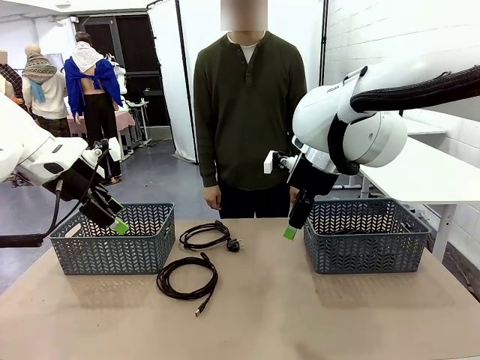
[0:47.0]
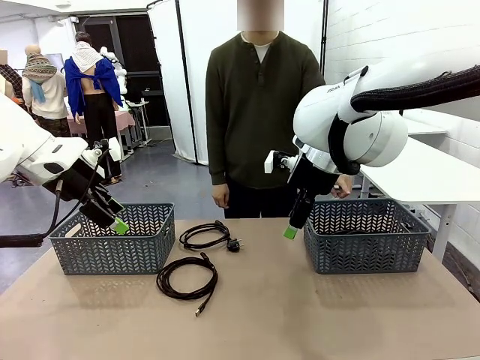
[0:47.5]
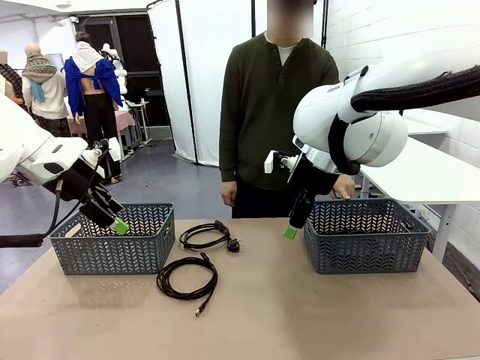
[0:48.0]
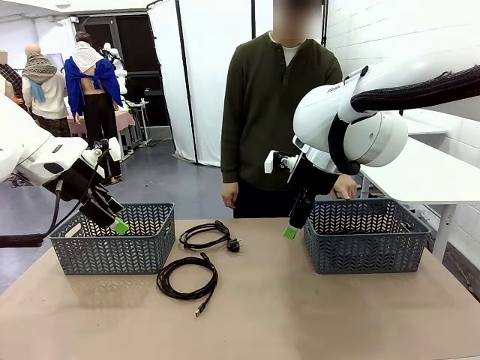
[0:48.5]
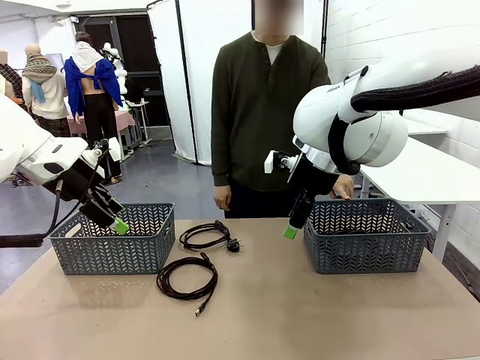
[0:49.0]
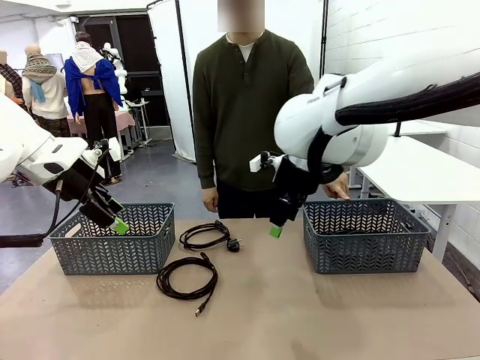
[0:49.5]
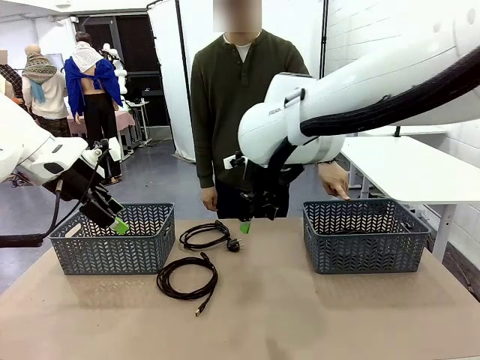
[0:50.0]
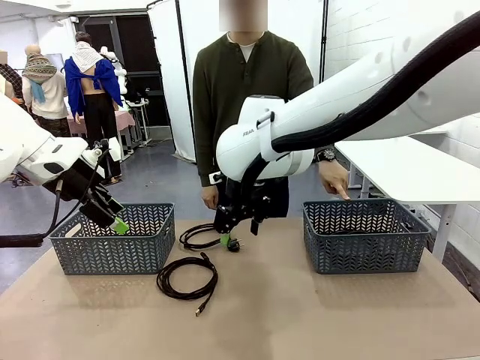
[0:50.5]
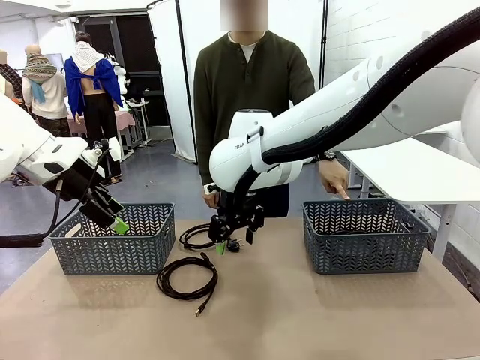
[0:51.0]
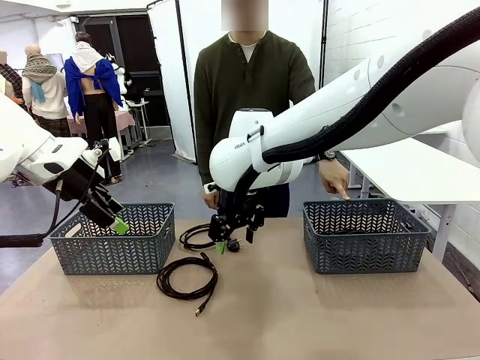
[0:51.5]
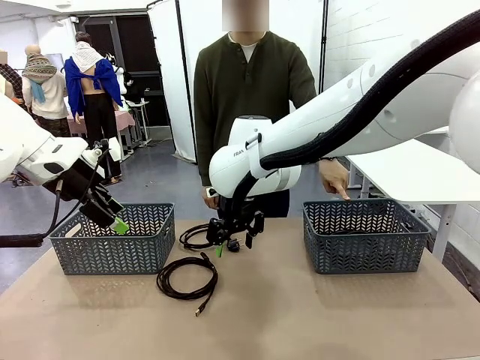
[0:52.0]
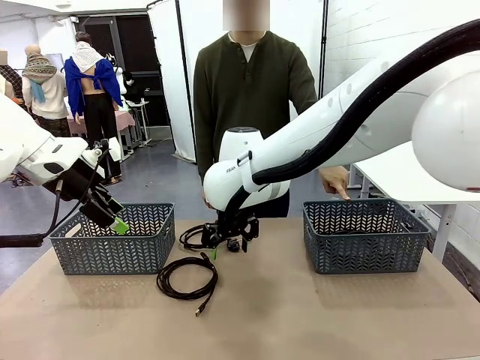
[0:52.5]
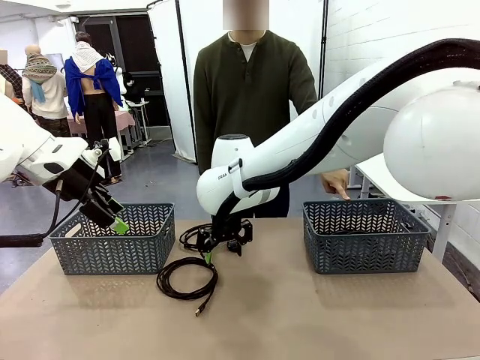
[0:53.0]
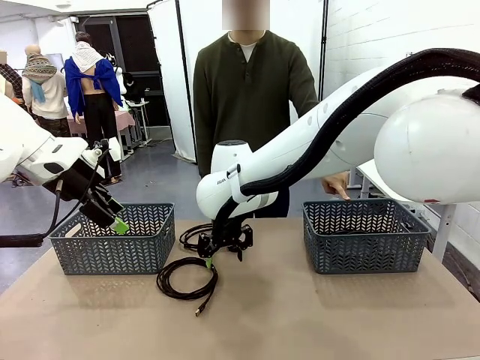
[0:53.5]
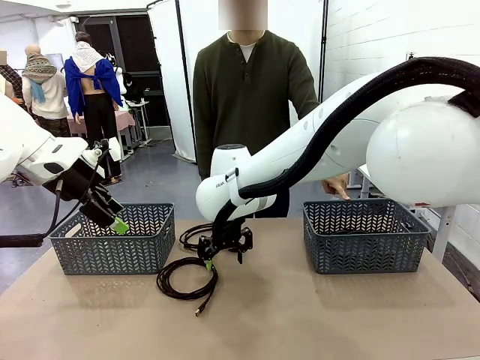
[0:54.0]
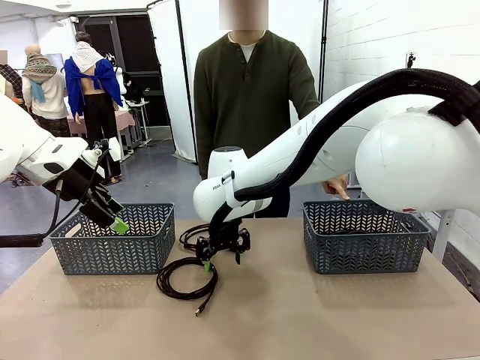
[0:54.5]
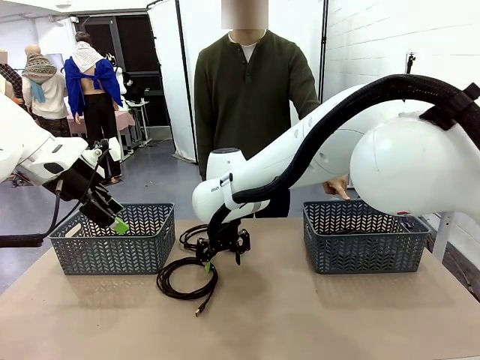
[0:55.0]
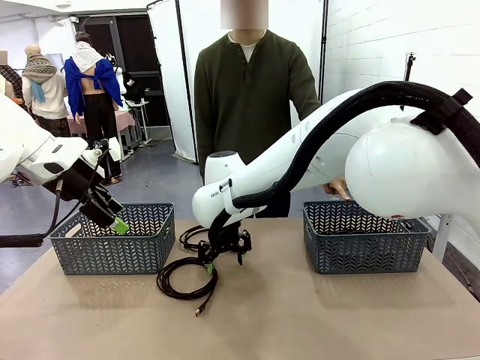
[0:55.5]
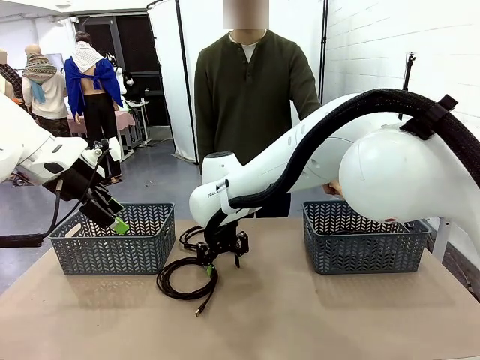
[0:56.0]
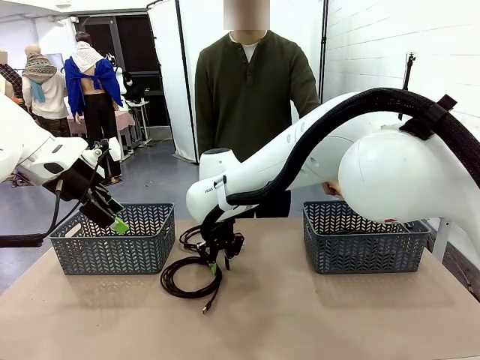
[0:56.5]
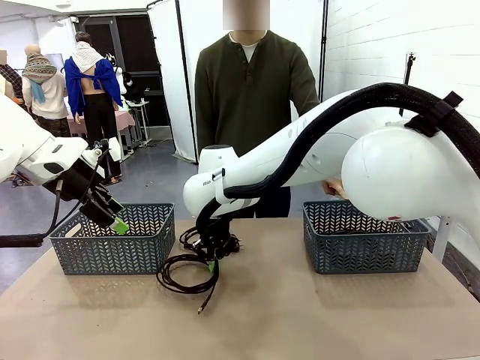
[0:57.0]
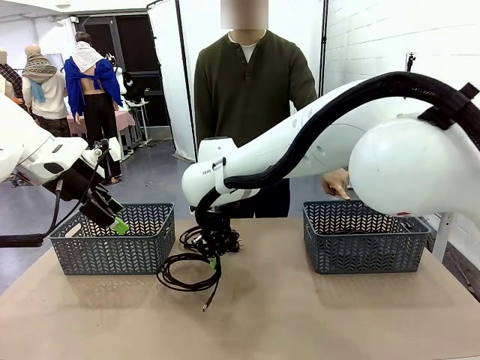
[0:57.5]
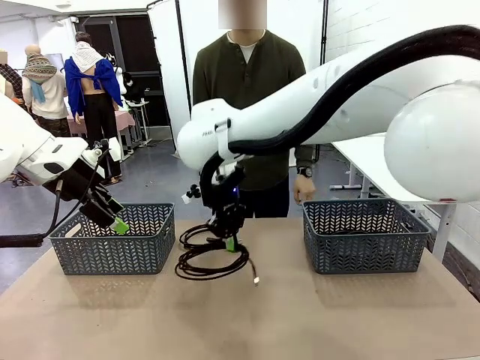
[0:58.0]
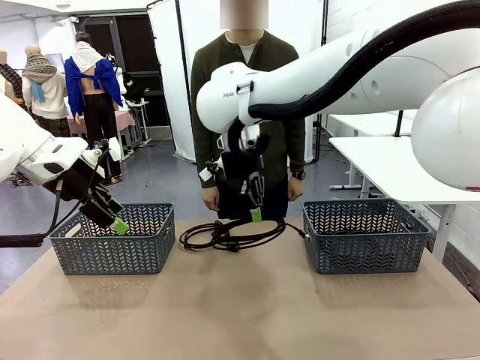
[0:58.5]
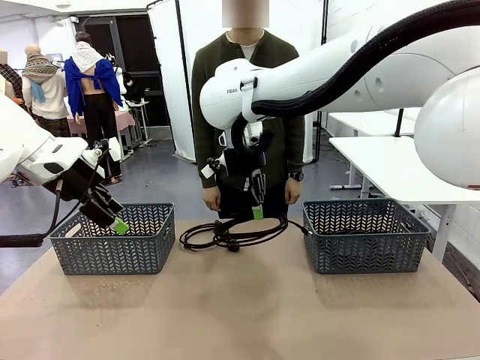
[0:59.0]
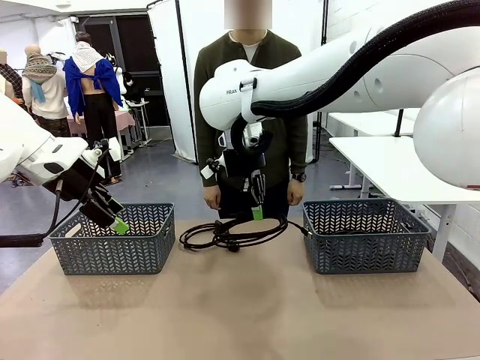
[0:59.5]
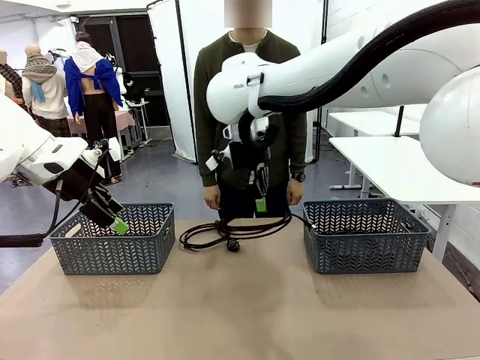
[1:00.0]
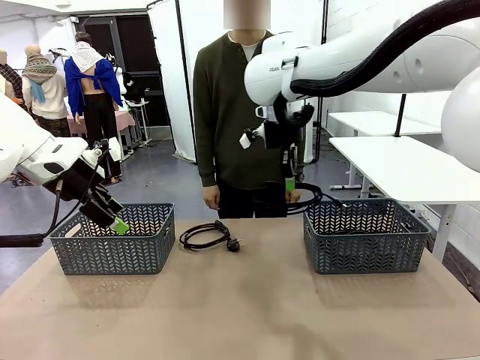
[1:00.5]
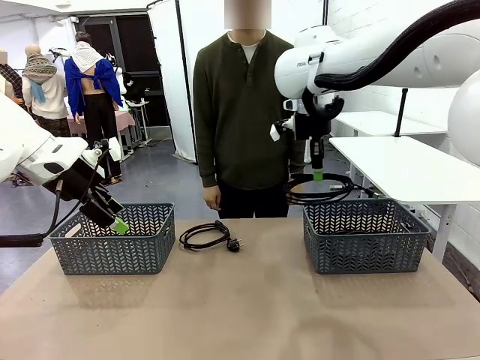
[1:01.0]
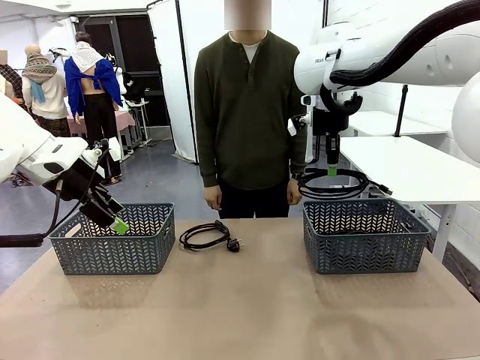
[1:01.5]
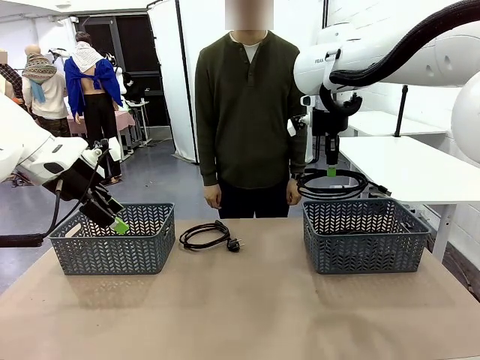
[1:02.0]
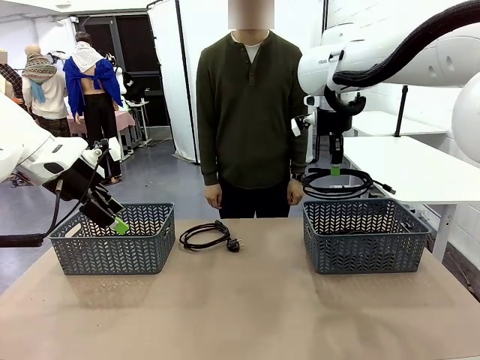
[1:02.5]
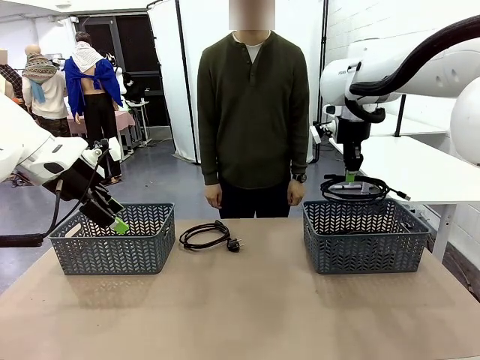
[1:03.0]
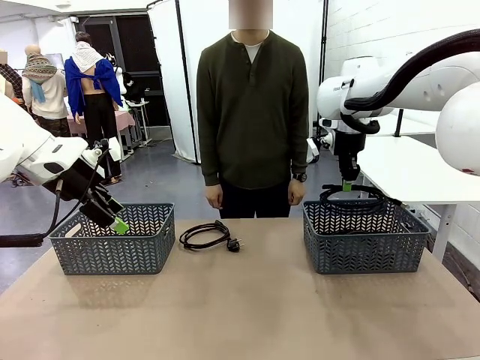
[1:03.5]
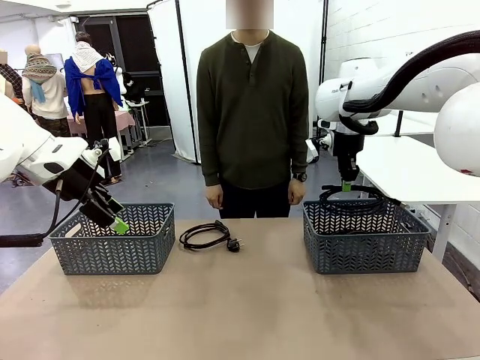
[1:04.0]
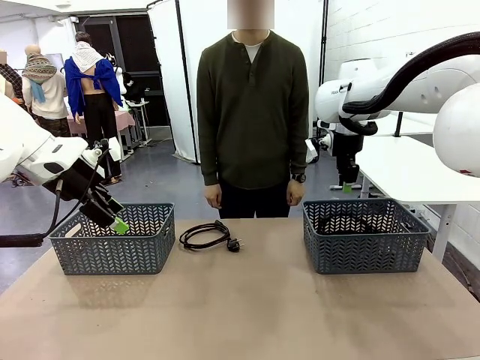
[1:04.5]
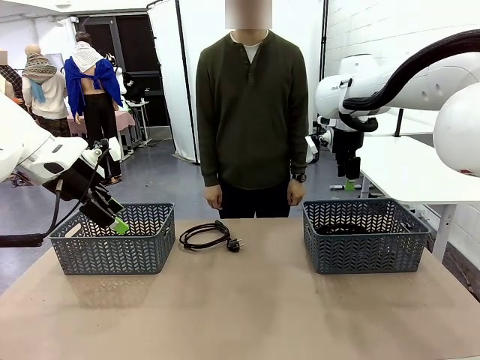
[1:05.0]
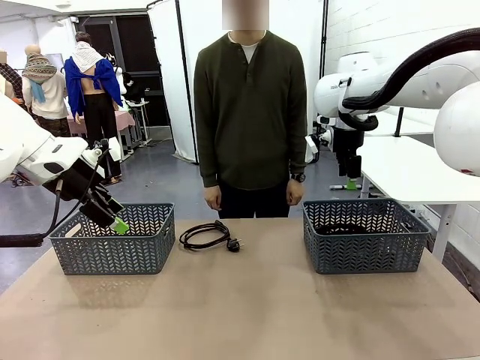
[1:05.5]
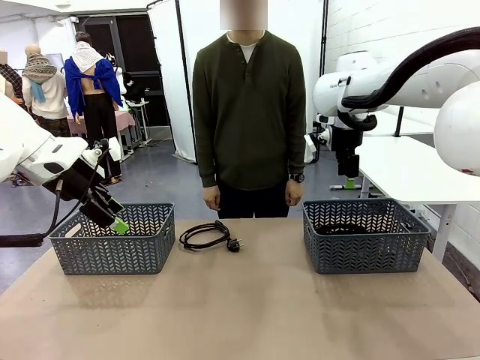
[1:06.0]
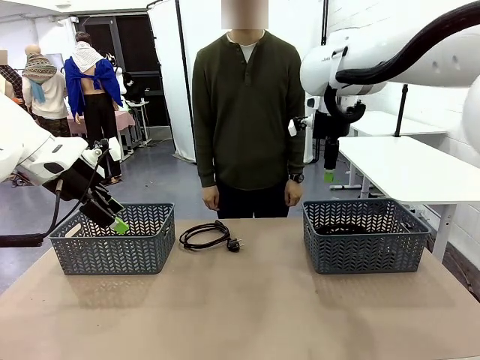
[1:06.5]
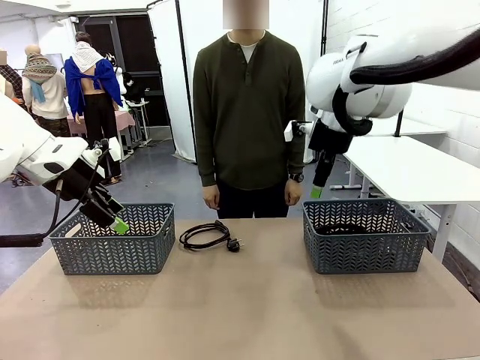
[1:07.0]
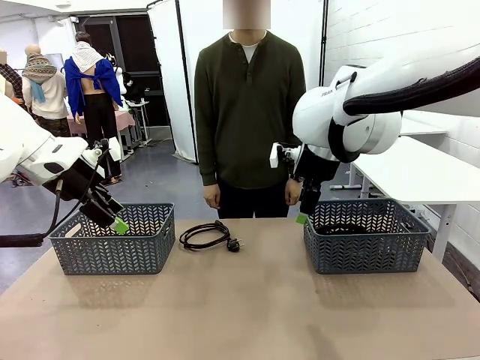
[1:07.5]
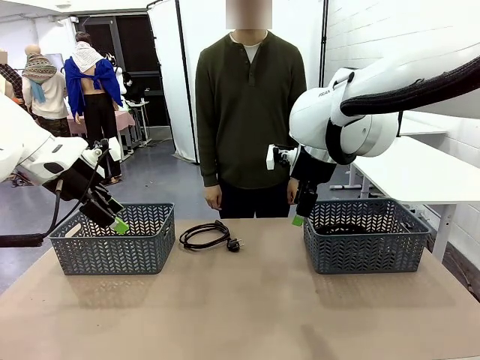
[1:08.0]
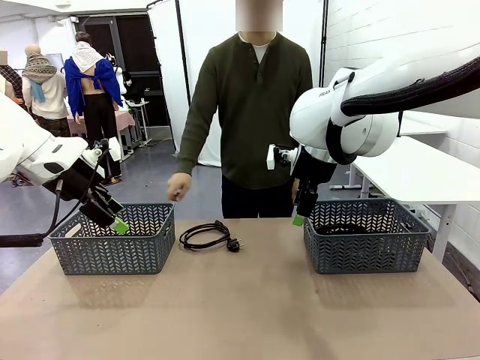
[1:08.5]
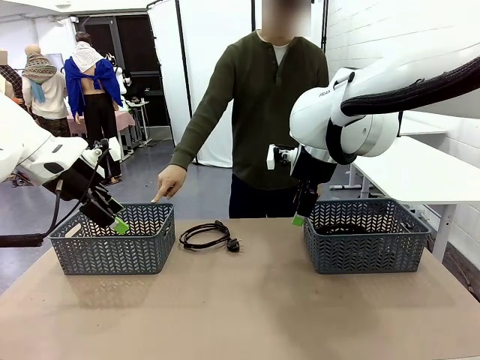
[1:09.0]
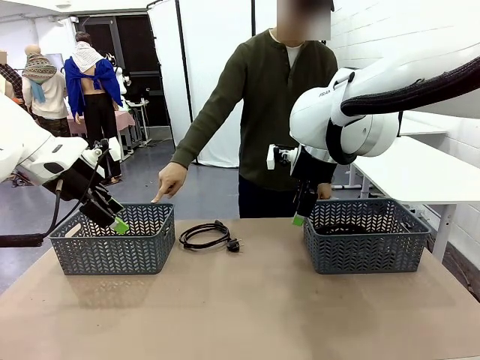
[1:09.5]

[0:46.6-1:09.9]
Task: Organize the cables according to human instructions.
Robot: Pick up a bundle of cables and place it in the basket indicated by the human.

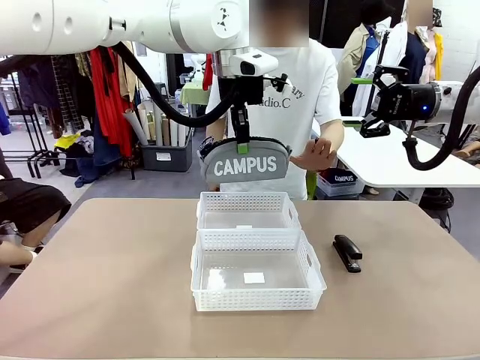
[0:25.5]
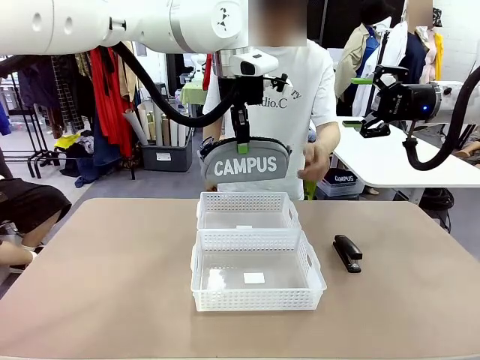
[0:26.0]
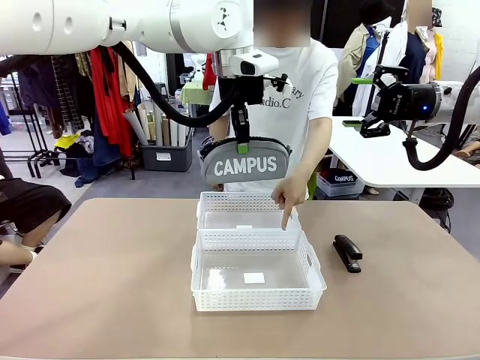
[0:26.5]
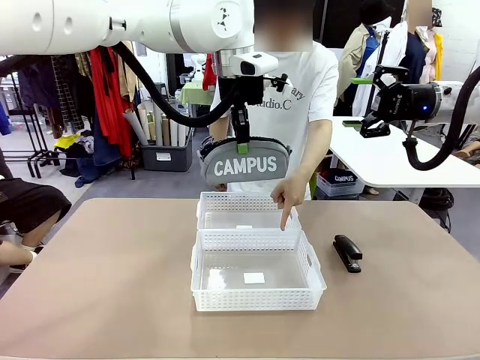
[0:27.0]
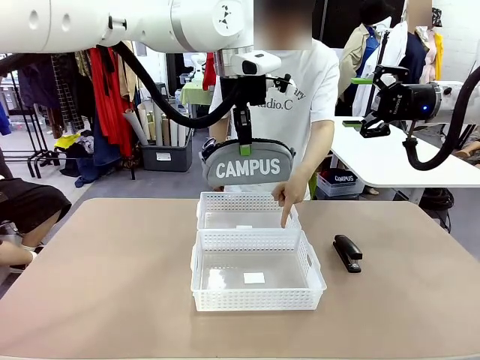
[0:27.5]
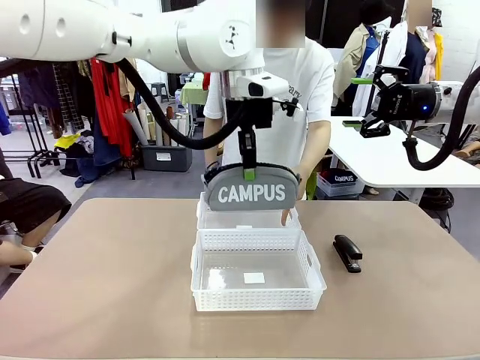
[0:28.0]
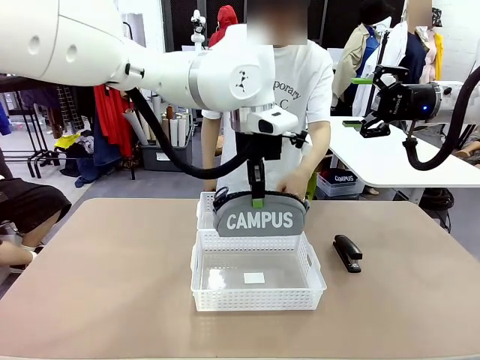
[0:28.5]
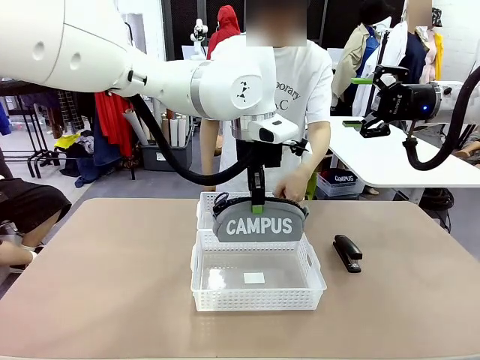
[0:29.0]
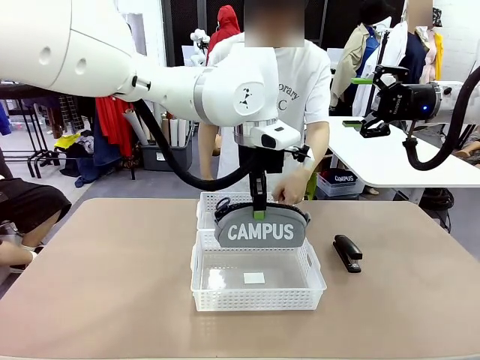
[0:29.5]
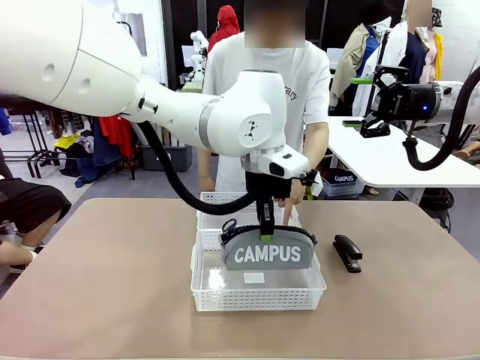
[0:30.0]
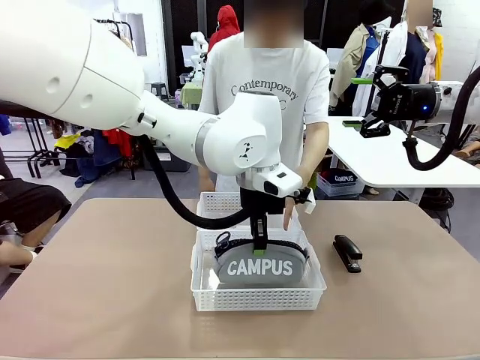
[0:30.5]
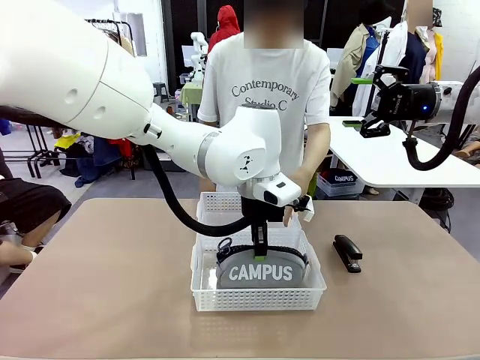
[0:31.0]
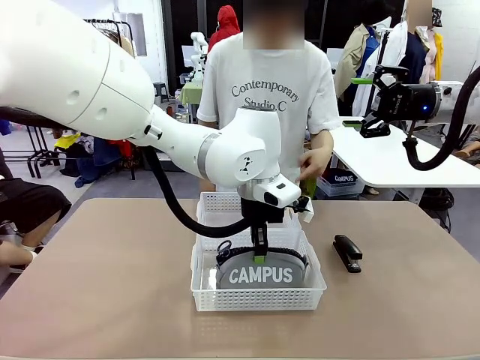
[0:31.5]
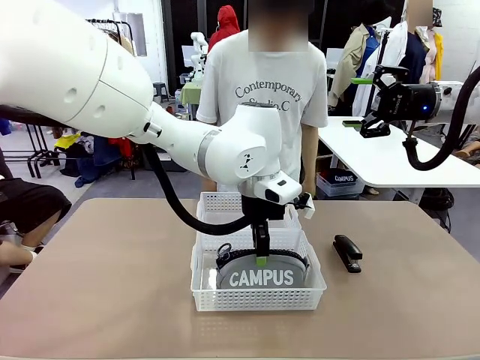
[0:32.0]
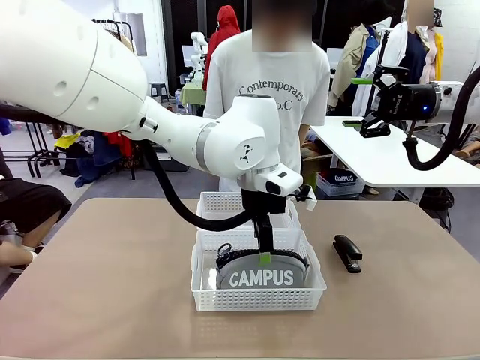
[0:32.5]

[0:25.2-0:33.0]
Task: Distribute items into two baskets.
Robot: Place the picked Pencil pouch into the Organizing basket as instructed by the person.
Person: Instructs the robot to place the pencil case into the opposite basket.
